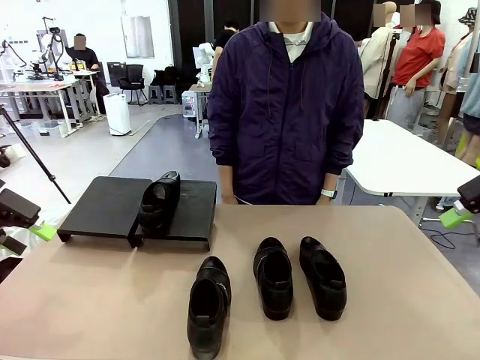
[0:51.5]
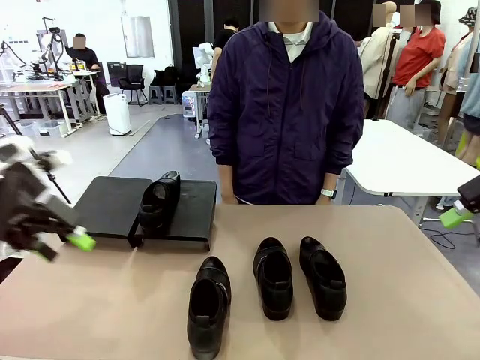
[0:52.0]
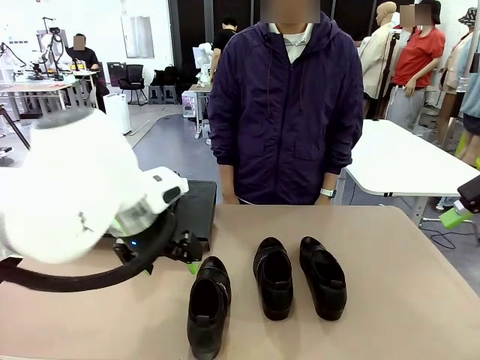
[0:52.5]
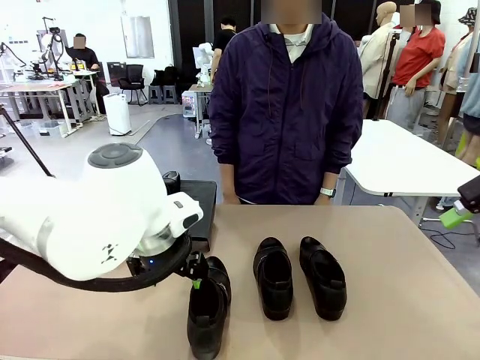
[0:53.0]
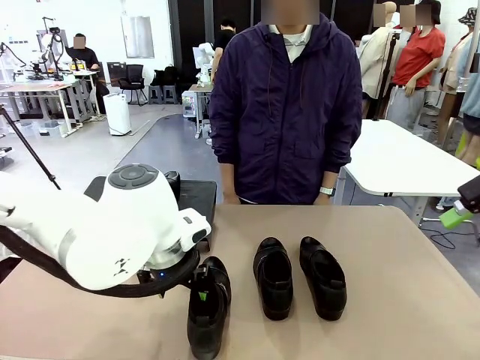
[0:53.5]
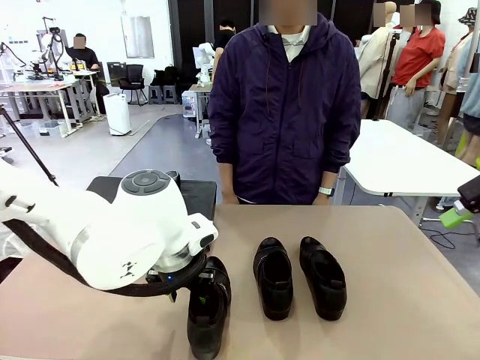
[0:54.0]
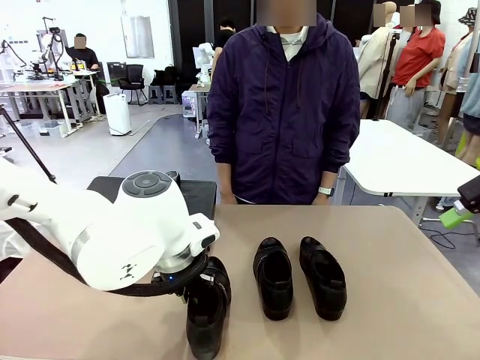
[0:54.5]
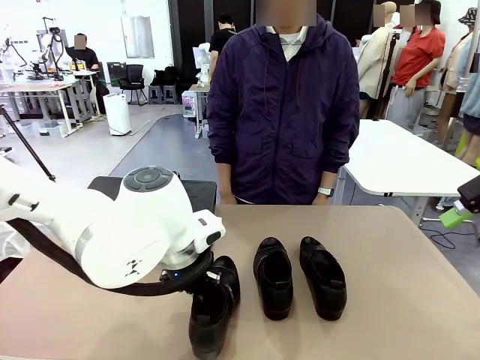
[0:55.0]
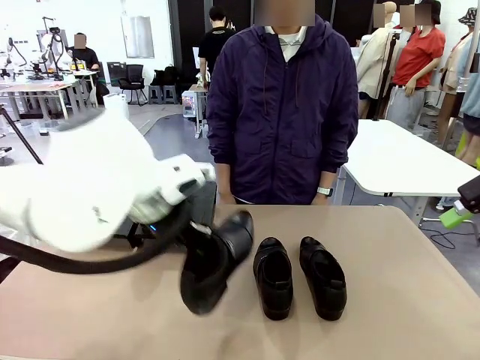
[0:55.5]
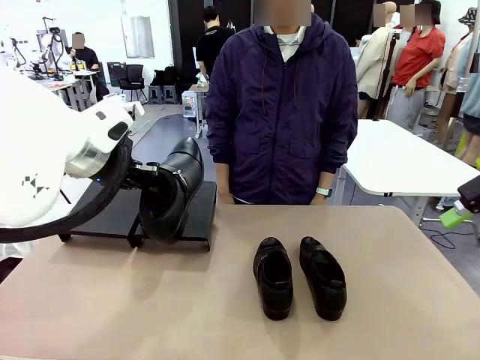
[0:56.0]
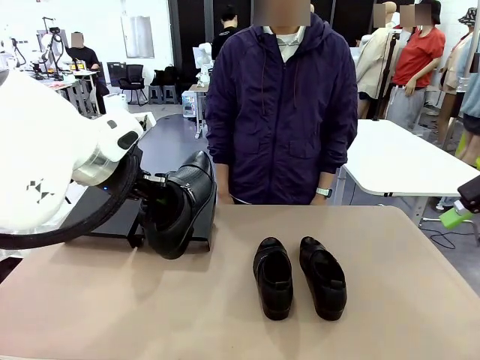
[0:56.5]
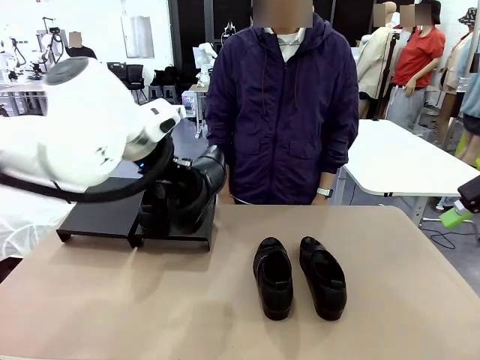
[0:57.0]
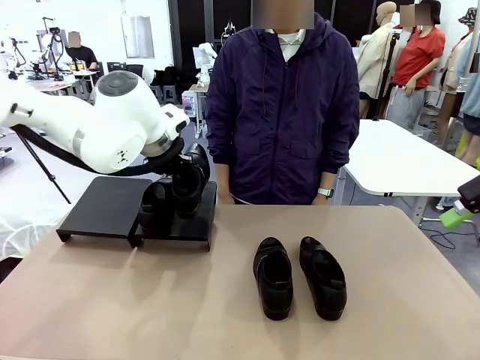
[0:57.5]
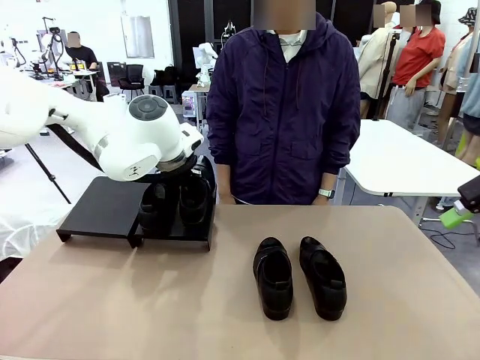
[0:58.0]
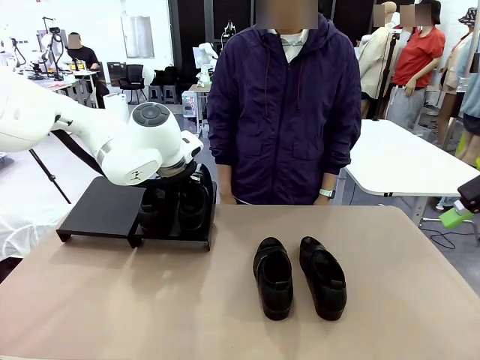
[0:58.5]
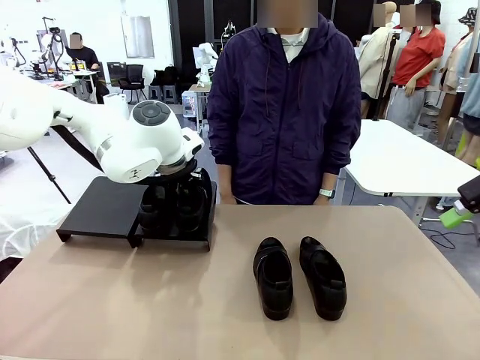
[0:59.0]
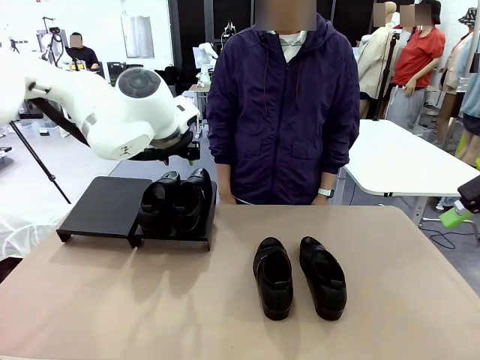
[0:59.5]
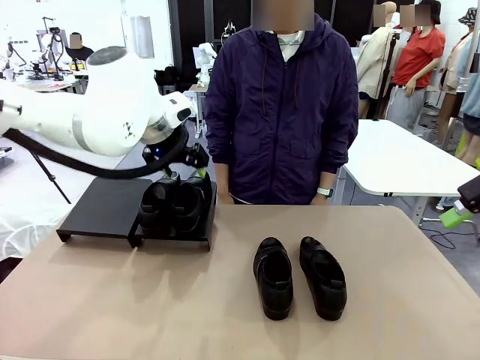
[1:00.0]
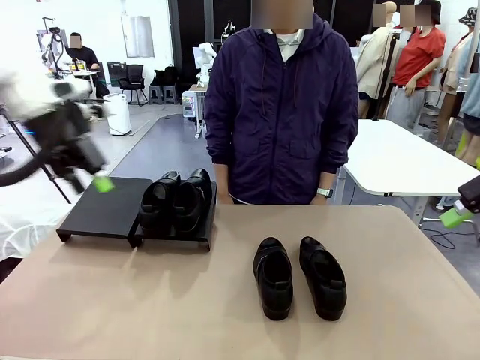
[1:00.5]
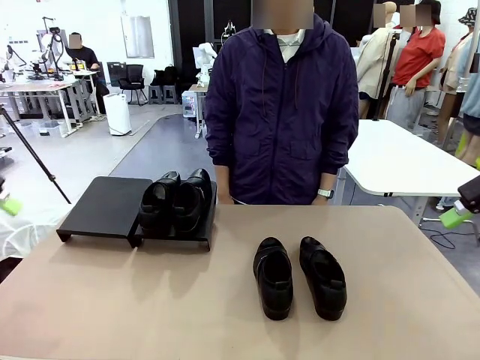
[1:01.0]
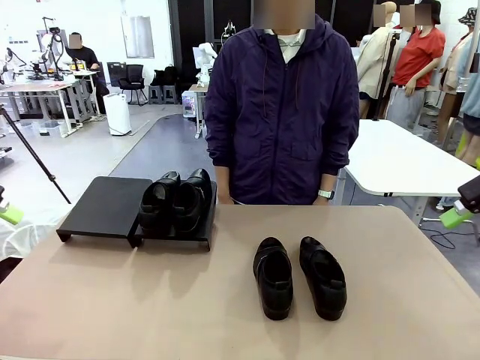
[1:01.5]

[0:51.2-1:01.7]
Task: Organize the shoes by placing them on the stand.
Robot: Place the Shoe from the middle of the table onto the Shoes Stand.

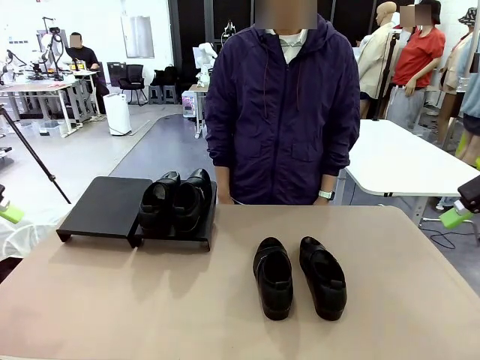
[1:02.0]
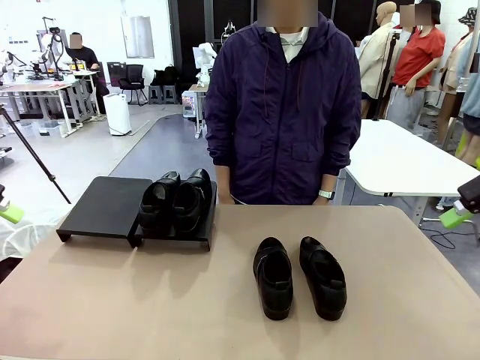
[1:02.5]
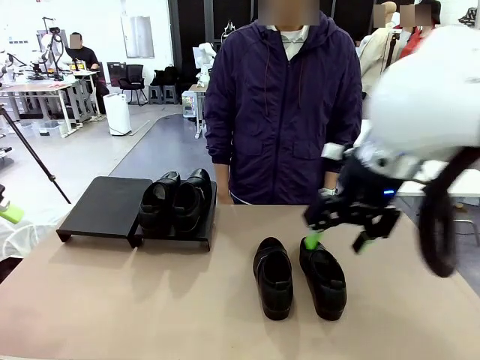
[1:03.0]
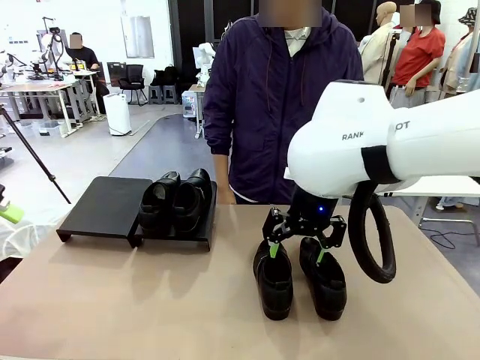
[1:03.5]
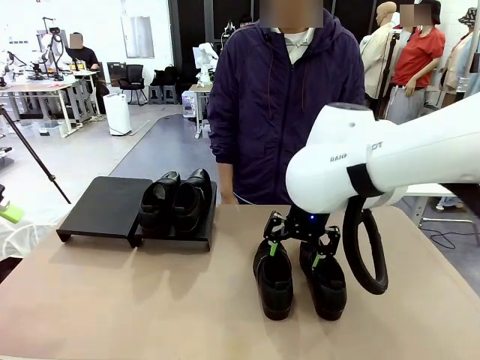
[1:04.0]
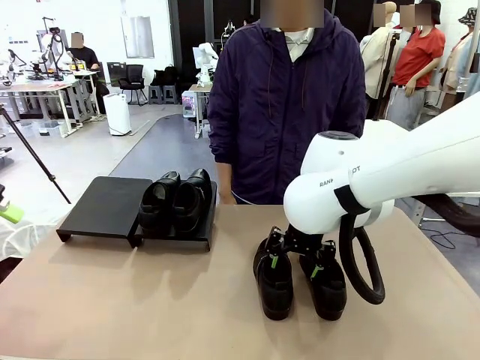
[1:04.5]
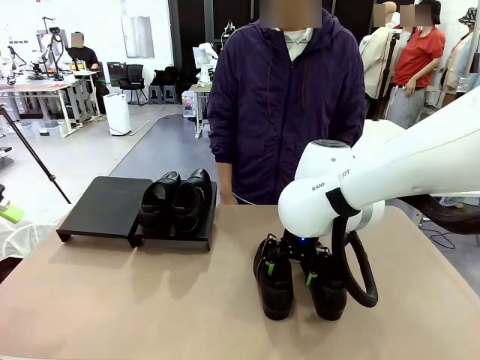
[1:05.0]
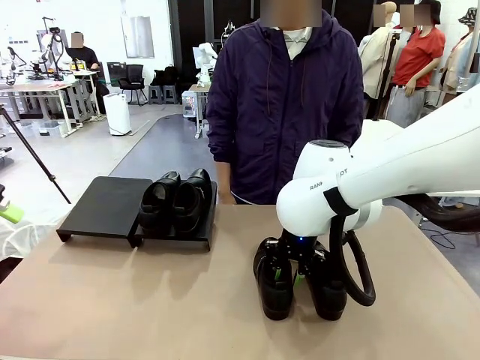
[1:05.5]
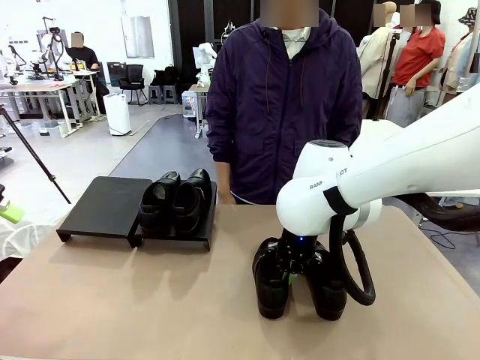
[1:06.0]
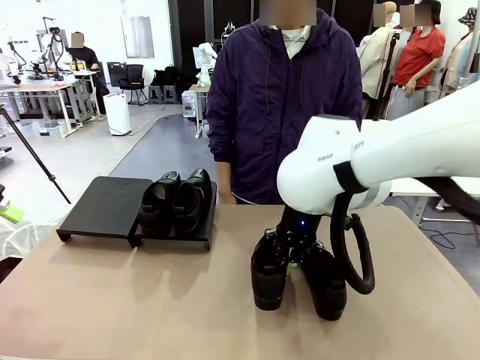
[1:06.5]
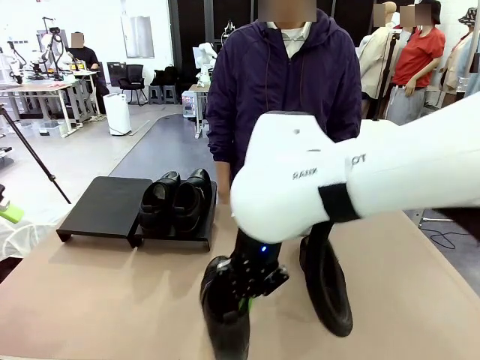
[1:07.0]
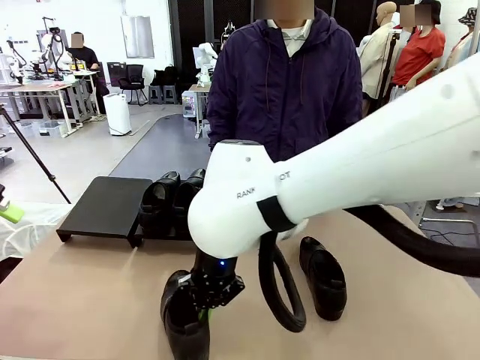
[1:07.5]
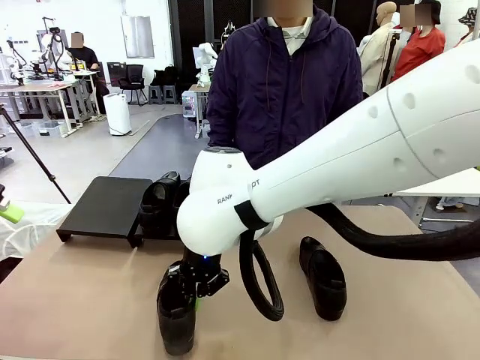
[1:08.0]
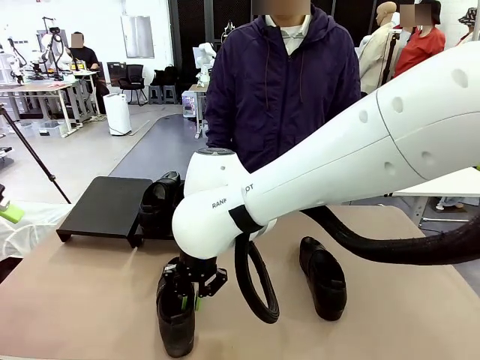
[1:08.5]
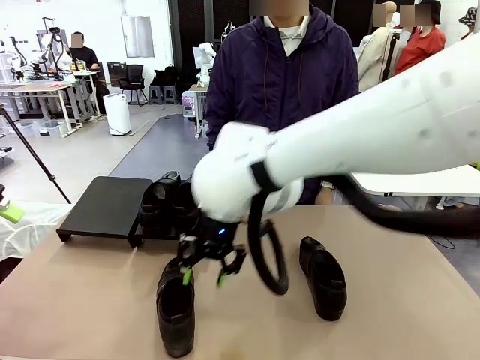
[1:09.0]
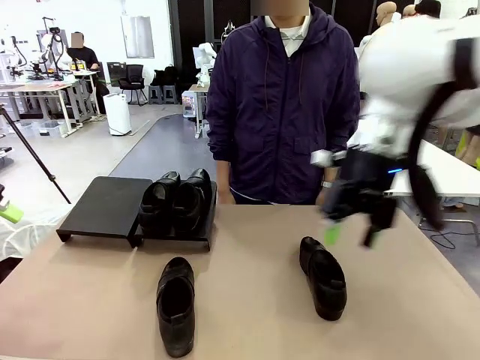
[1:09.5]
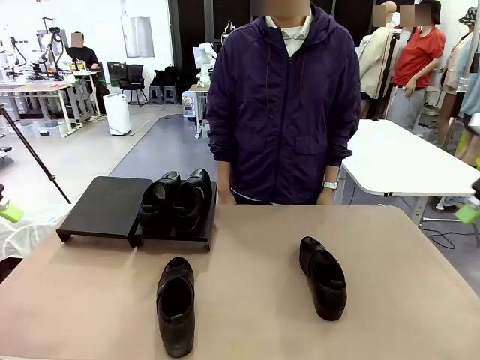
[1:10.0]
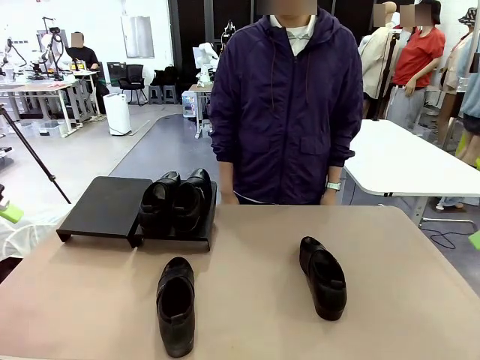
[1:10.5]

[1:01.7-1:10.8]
Robot: Pick up one Shoe and place it in the middle of the table.

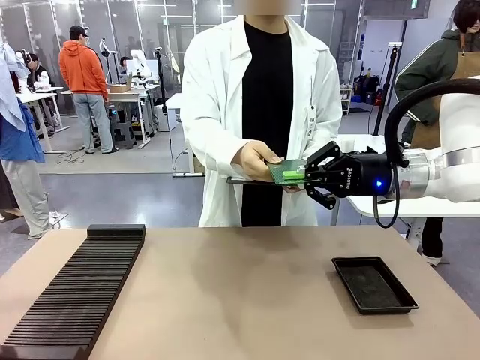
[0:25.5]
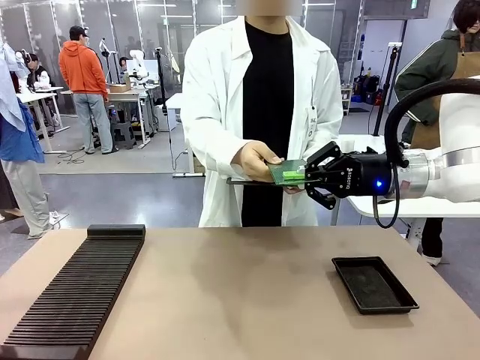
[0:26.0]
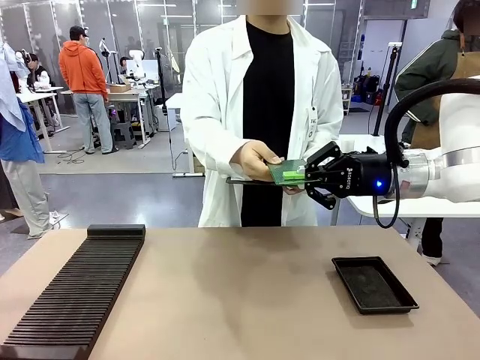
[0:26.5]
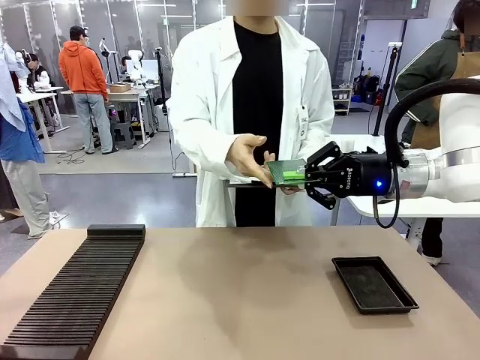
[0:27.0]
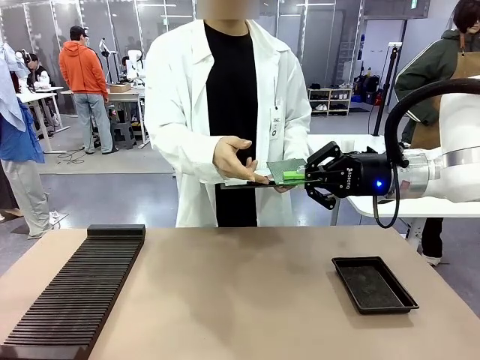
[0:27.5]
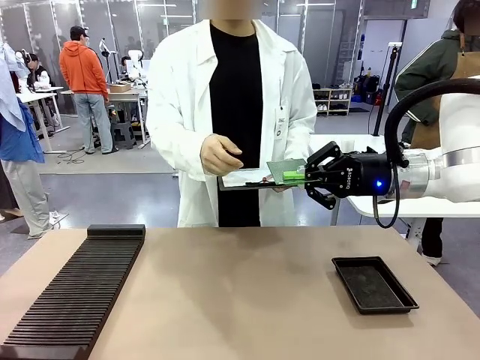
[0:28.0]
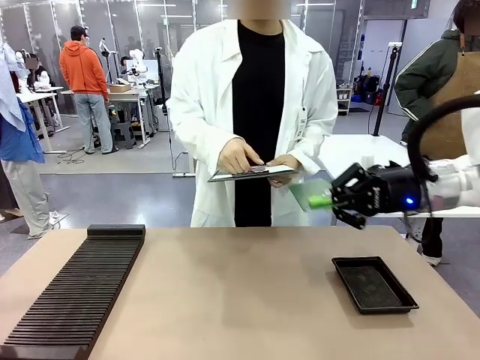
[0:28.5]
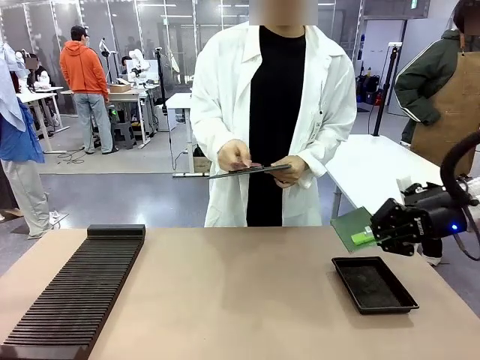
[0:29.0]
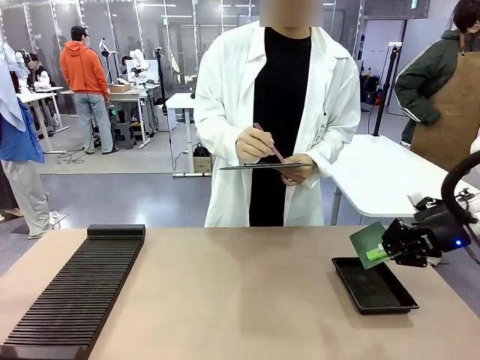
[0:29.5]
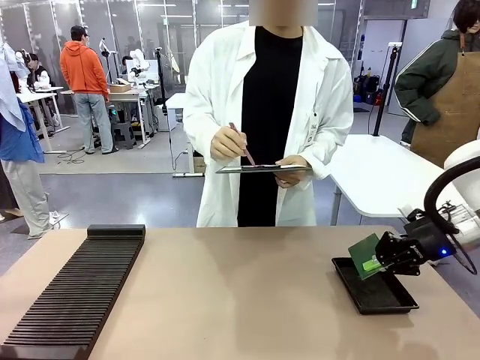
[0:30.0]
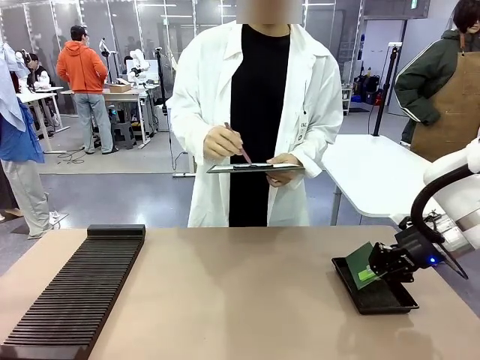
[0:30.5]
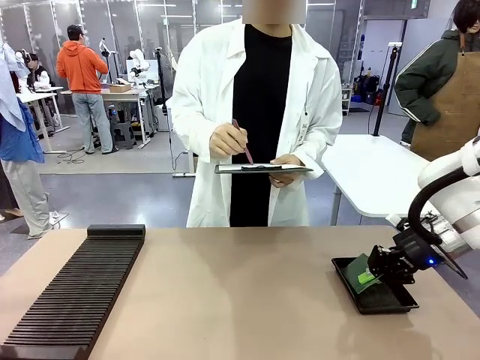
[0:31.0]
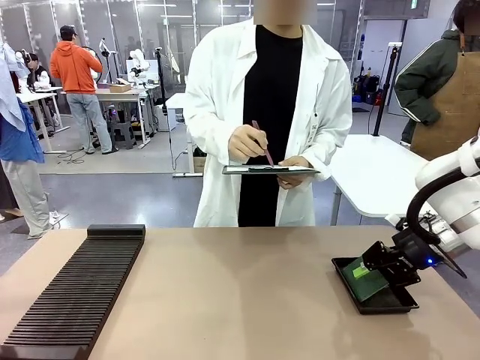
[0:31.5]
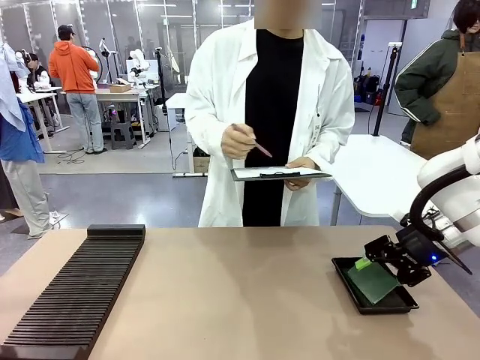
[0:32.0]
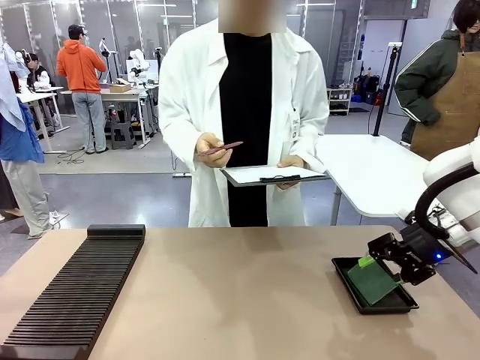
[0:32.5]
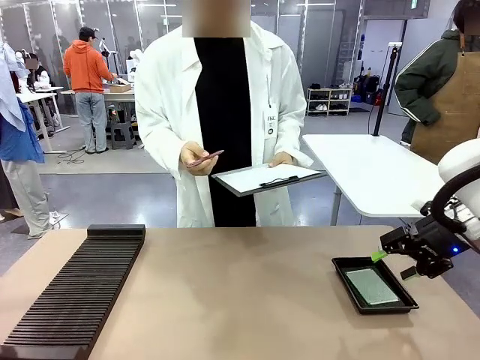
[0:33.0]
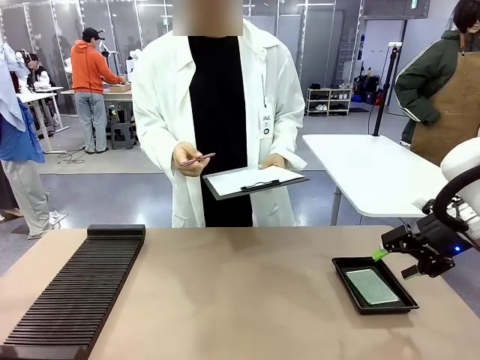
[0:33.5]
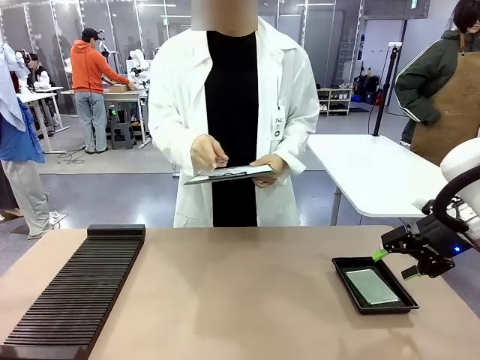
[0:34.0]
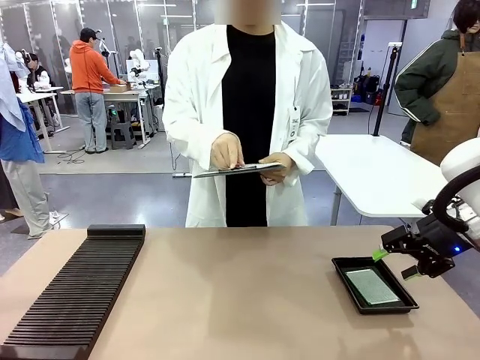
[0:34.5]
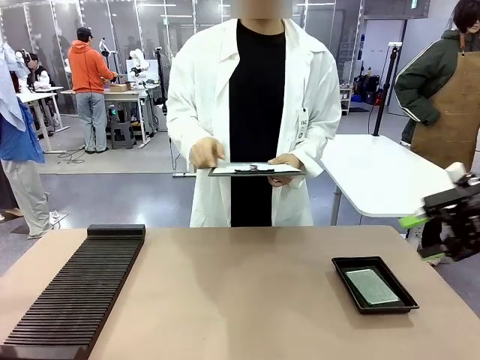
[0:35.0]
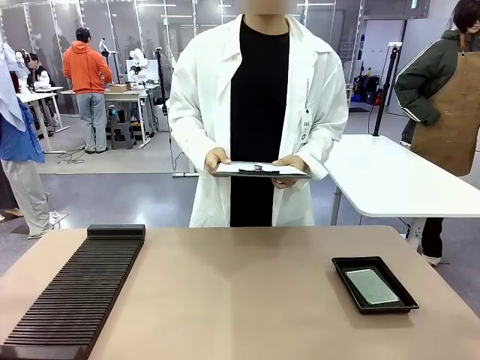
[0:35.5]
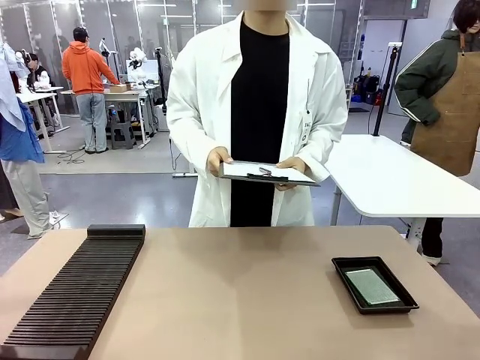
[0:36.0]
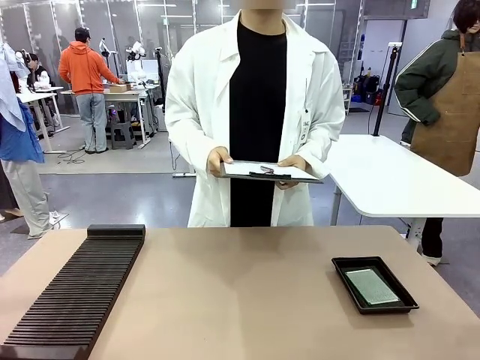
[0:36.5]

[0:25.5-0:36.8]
Task: Inspect the PCB.
Robot: Place the Blank PCB in the ESD tray.
Person: Record the PCB status on the paper.
